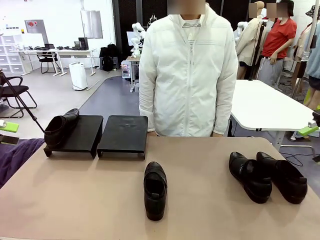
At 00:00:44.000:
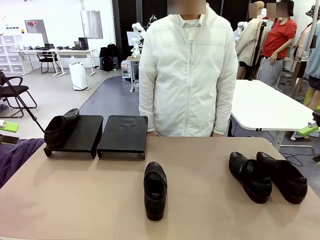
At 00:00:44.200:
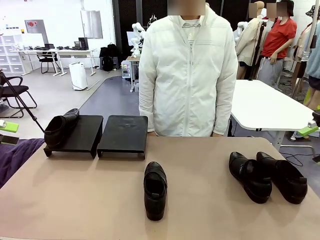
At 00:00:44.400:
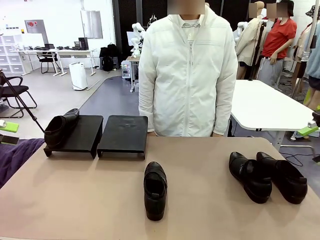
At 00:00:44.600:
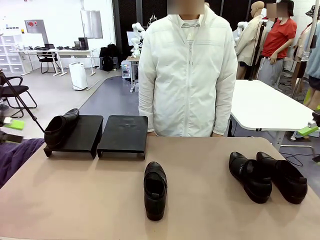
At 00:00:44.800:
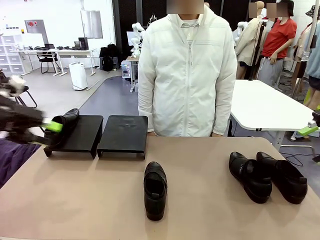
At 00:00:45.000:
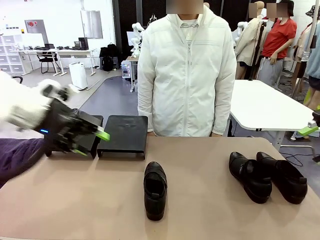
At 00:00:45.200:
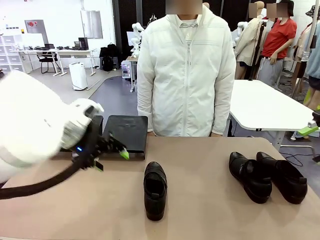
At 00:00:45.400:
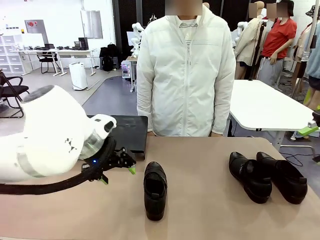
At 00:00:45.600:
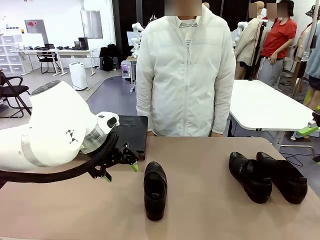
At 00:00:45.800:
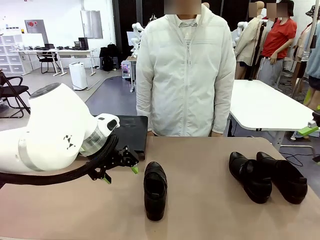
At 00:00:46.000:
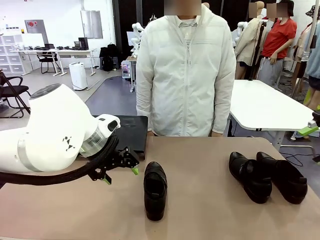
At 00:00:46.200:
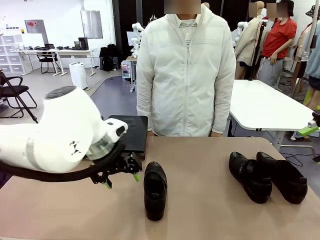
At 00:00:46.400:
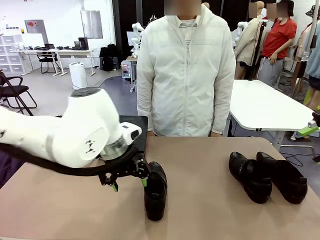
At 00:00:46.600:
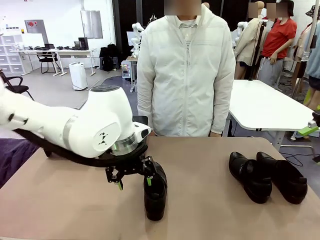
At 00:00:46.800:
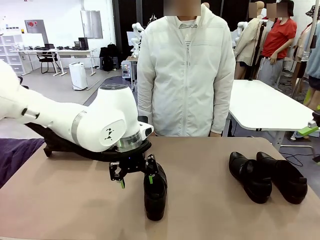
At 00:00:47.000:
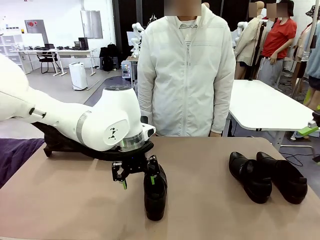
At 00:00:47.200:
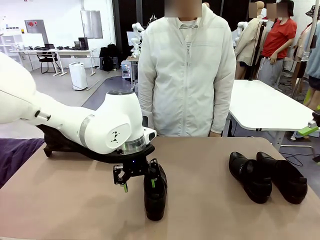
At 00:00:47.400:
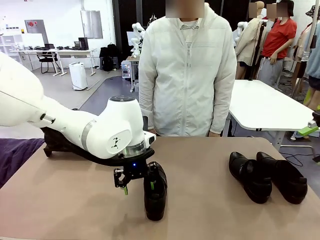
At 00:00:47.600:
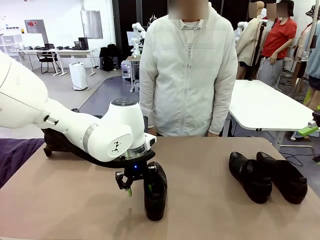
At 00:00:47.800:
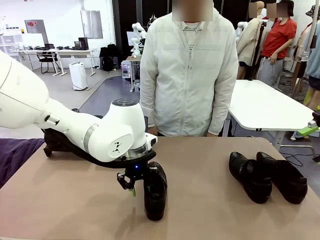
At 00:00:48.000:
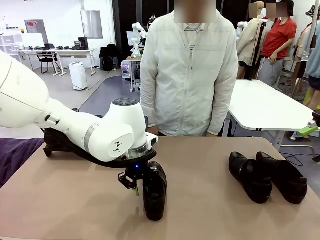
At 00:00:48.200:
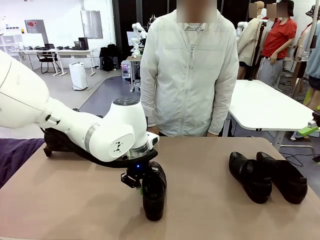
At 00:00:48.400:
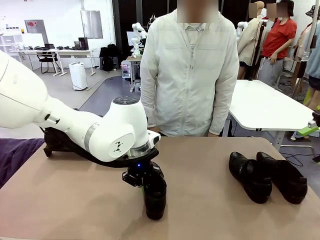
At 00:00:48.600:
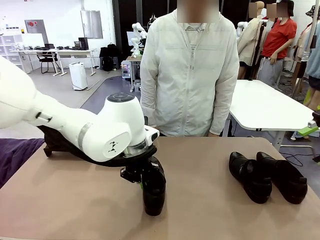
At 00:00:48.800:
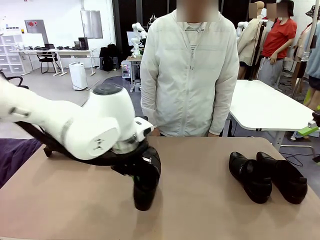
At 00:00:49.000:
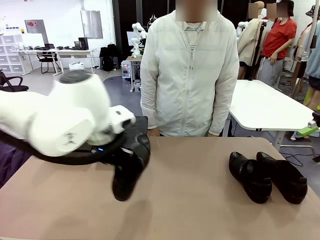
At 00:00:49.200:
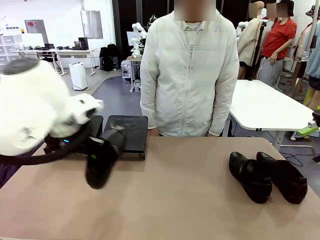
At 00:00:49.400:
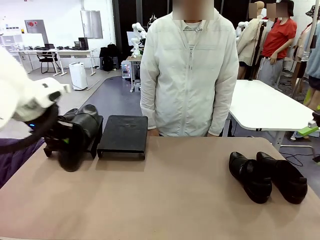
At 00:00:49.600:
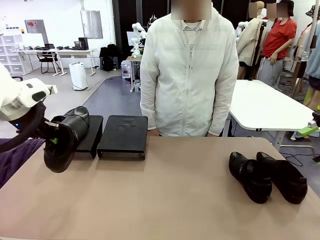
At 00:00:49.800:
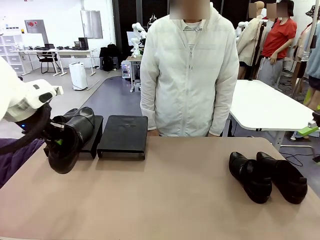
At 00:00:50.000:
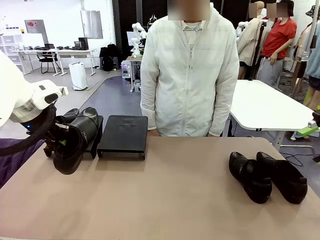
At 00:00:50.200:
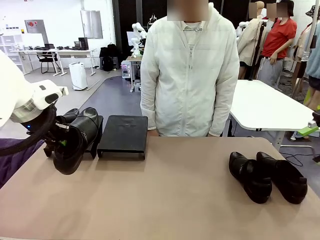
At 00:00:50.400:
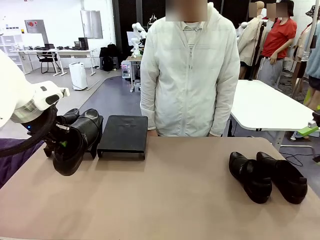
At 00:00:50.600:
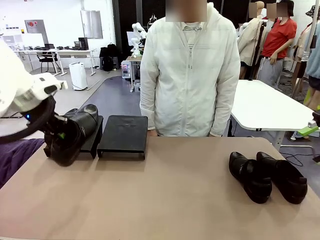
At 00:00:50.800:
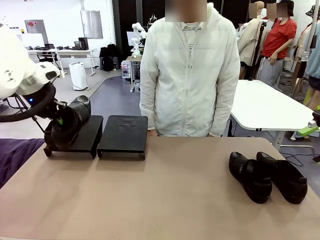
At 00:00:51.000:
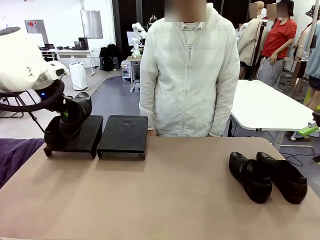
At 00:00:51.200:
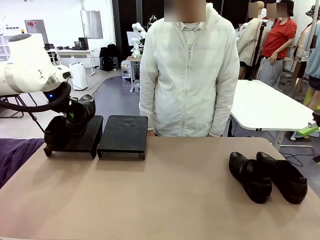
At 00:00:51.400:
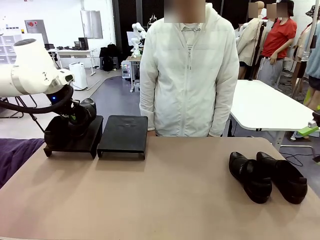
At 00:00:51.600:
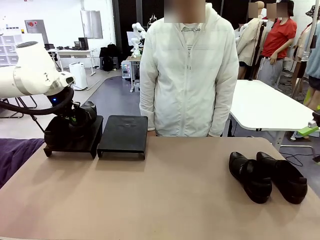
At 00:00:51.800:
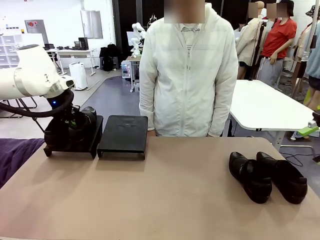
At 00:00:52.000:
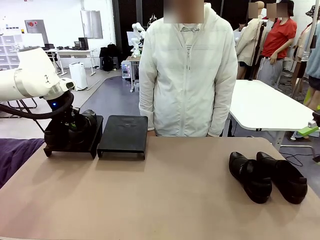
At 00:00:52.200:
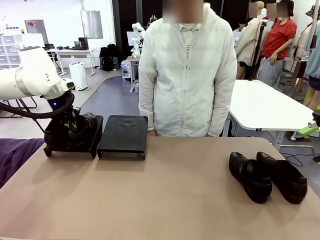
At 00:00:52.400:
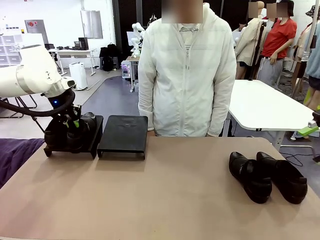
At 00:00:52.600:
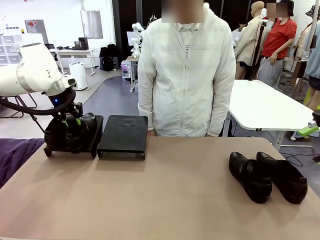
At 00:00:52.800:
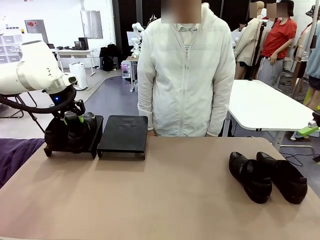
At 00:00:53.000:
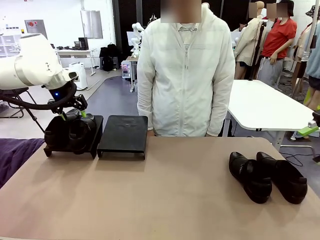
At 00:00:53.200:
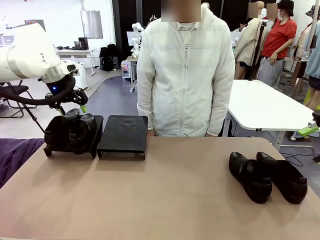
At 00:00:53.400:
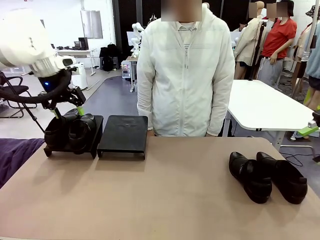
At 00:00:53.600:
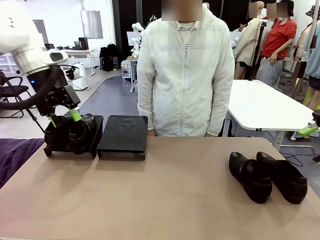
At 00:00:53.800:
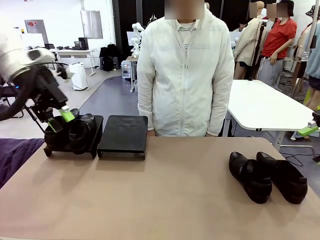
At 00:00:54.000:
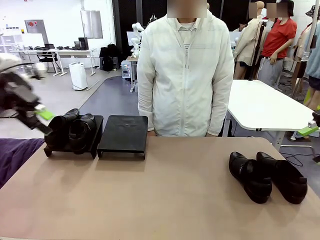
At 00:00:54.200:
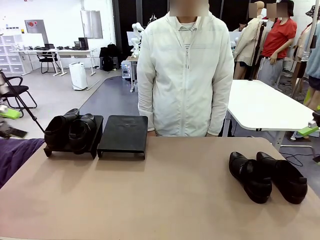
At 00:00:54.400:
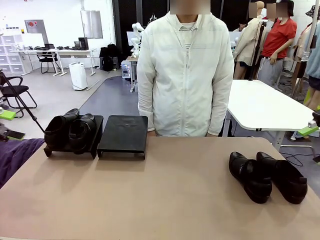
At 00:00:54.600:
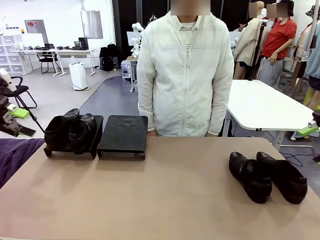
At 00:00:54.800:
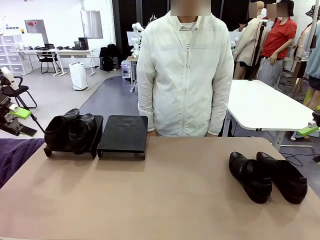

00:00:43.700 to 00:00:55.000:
Task: Organize the shoes by placing them on the stand.
Robot: Place the Shoe from the middle of the table onto the Shoes Stand.

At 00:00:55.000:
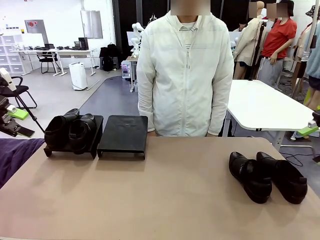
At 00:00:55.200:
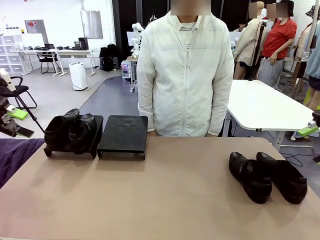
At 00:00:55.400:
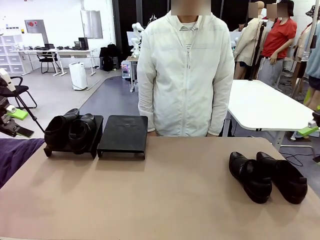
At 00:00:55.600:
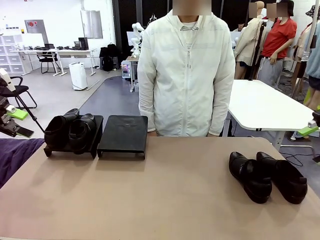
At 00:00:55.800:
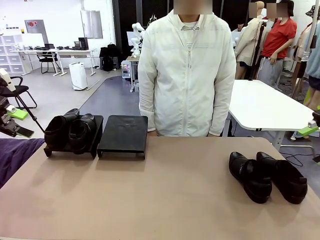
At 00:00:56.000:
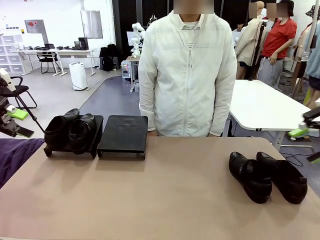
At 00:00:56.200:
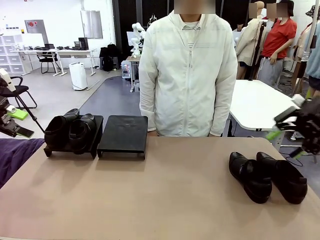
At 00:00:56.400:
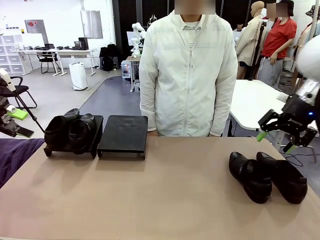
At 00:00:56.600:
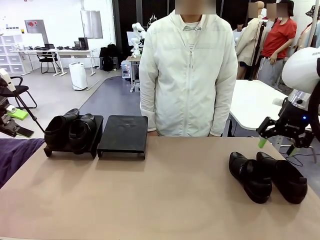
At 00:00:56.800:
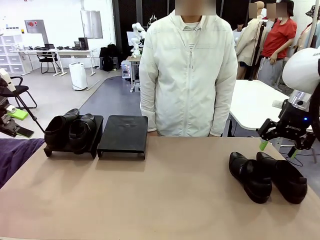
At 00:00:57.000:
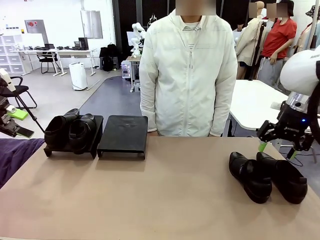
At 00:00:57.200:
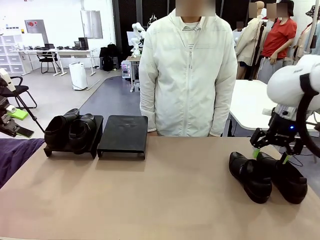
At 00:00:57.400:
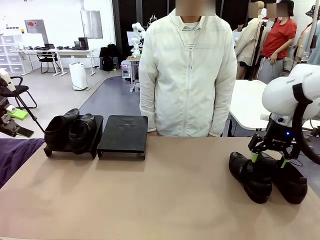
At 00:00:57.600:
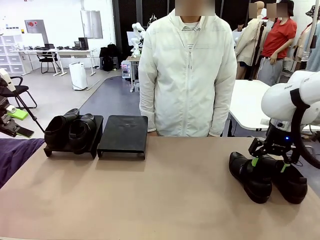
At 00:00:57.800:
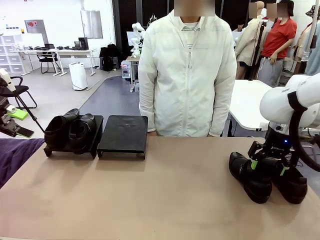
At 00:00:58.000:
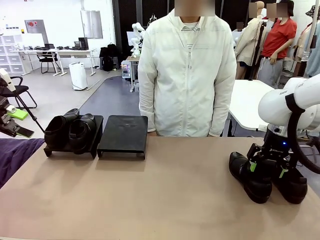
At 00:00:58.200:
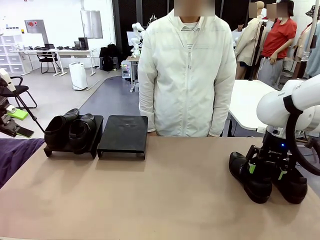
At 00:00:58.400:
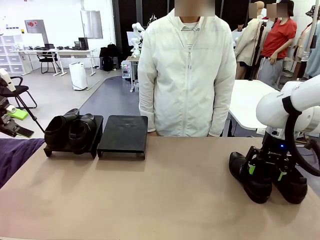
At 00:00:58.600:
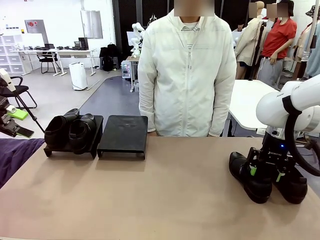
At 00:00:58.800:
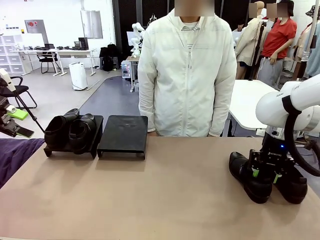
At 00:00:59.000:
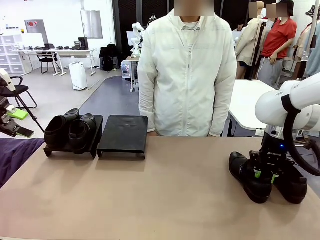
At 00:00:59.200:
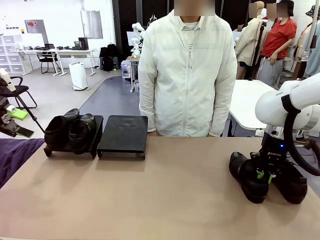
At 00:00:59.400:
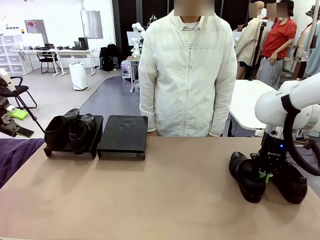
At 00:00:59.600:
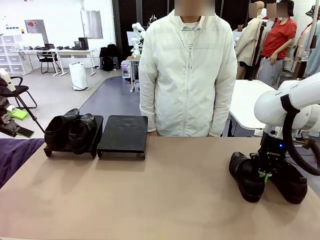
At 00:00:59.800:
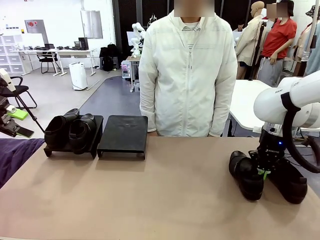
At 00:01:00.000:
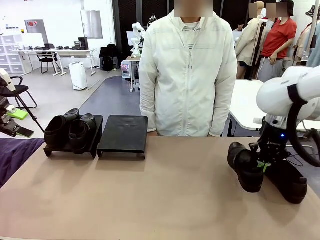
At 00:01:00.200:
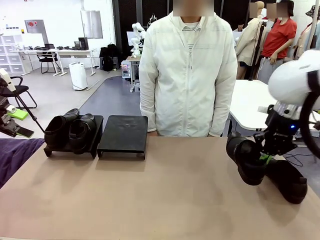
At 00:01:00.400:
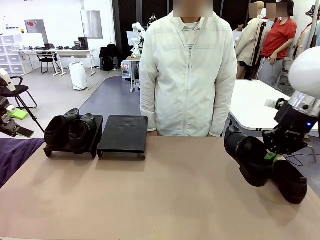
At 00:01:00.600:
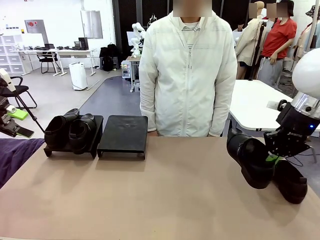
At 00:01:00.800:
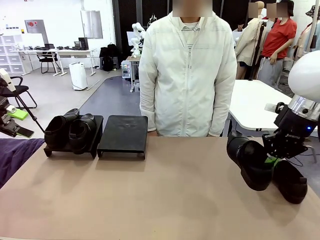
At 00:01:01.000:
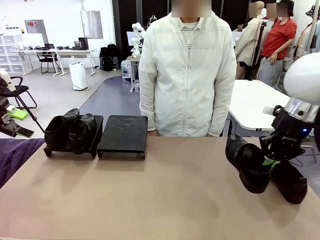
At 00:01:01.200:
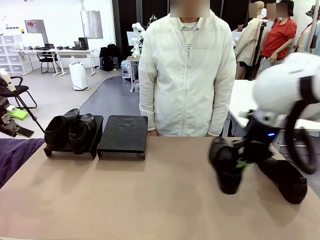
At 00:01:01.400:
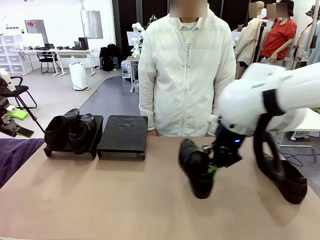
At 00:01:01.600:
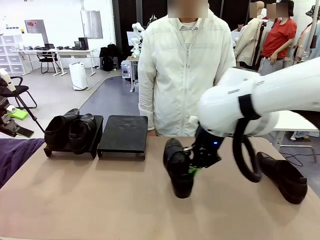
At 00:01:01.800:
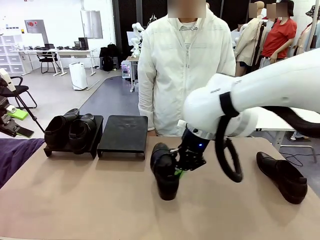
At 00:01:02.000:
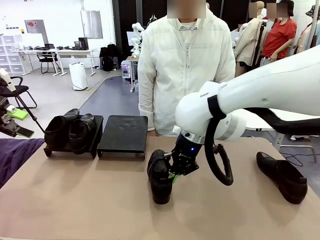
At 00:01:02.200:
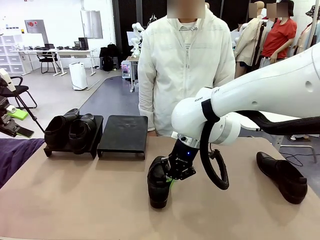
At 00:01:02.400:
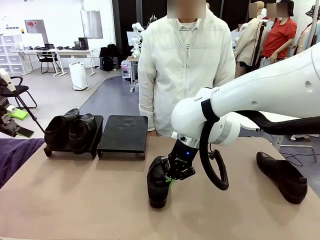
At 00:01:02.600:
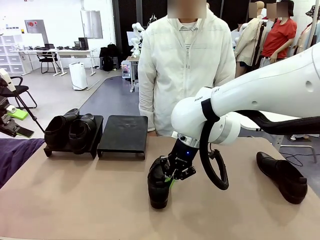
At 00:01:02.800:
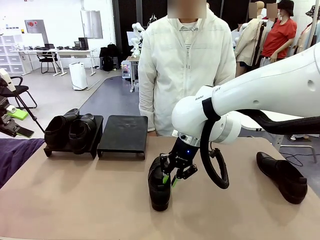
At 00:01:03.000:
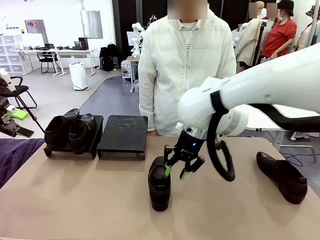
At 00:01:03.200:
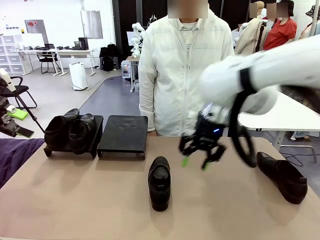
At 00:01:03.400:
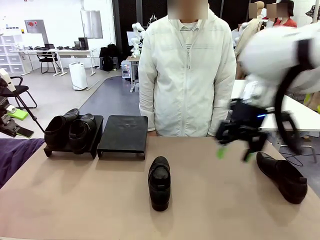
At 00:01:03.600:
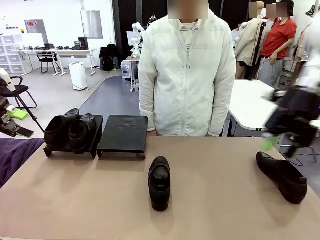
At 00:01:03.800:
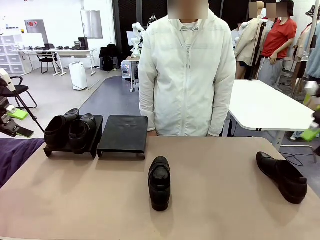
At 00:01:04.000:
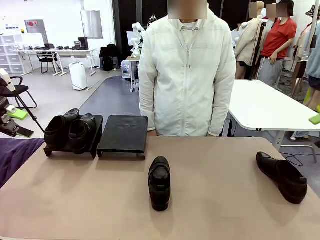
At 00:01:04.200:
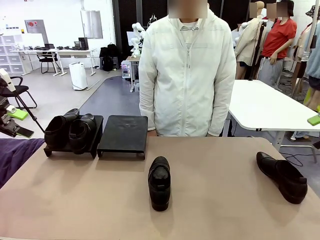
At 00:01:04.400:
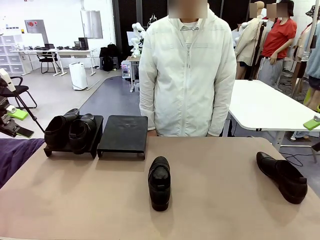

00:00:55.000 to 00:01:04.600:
Robot: Pick up one Shoe and place it in the middle of the table.
